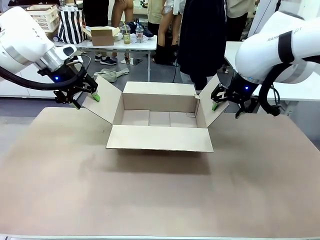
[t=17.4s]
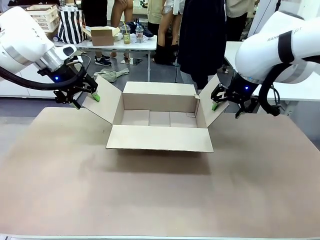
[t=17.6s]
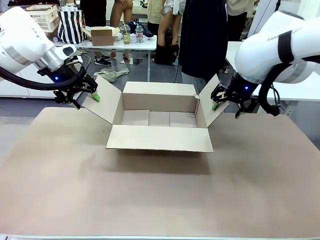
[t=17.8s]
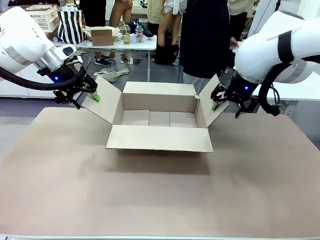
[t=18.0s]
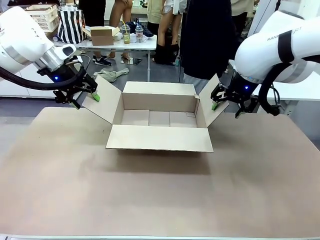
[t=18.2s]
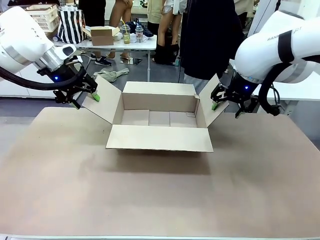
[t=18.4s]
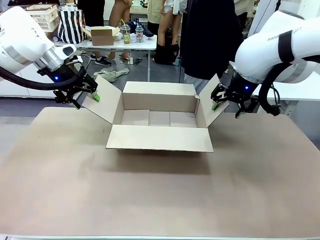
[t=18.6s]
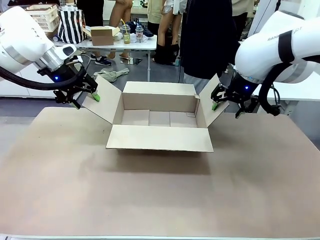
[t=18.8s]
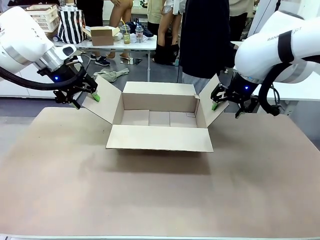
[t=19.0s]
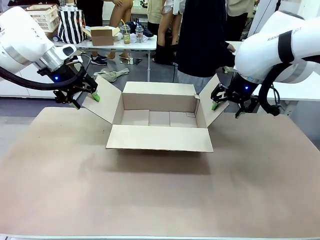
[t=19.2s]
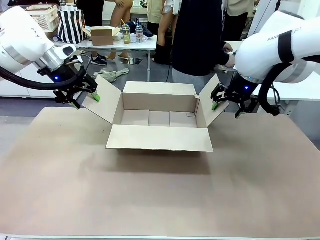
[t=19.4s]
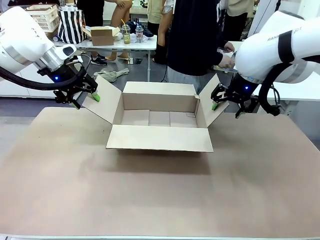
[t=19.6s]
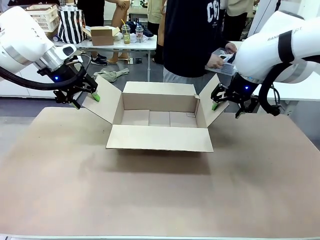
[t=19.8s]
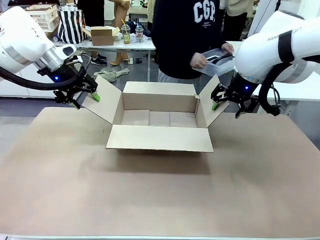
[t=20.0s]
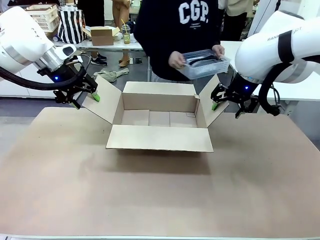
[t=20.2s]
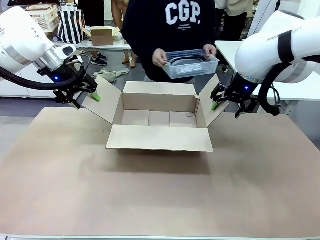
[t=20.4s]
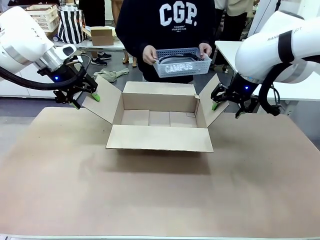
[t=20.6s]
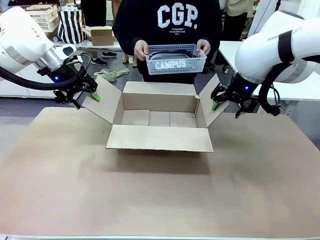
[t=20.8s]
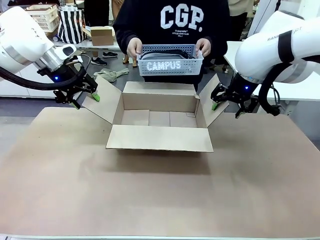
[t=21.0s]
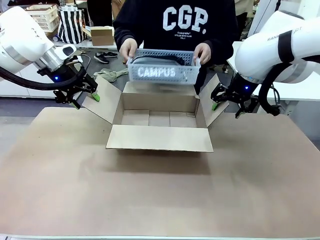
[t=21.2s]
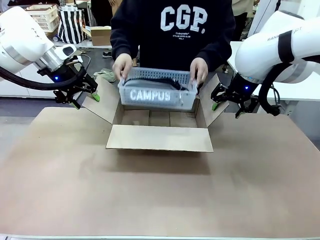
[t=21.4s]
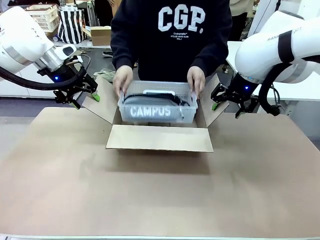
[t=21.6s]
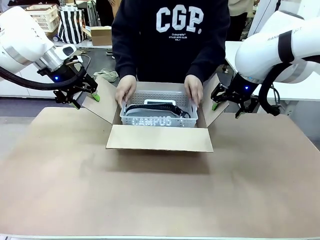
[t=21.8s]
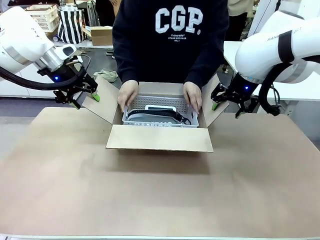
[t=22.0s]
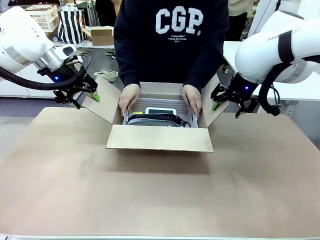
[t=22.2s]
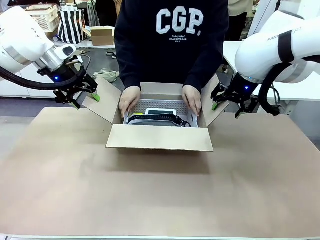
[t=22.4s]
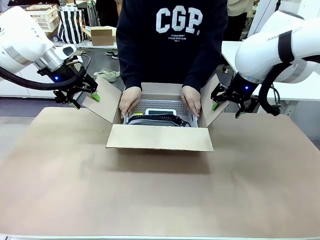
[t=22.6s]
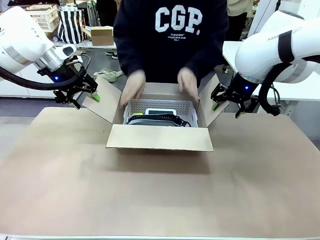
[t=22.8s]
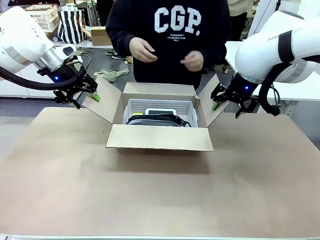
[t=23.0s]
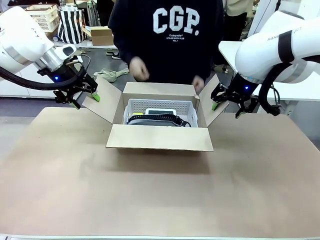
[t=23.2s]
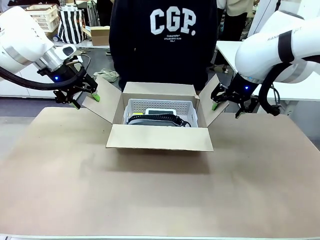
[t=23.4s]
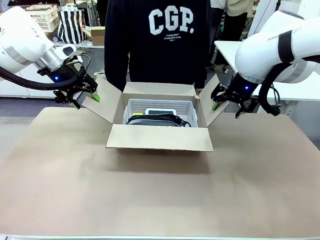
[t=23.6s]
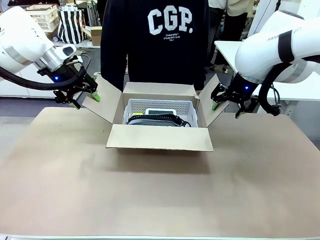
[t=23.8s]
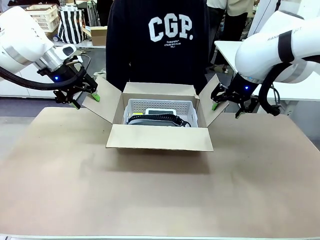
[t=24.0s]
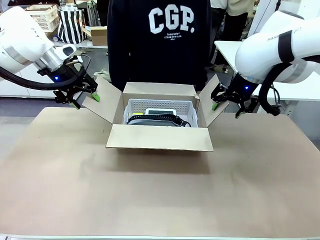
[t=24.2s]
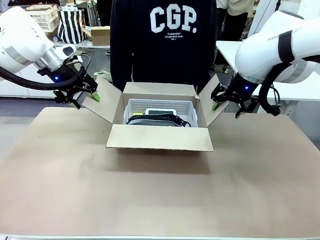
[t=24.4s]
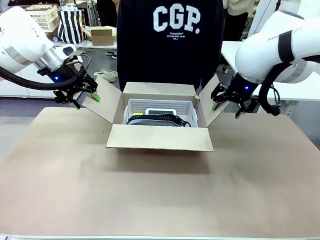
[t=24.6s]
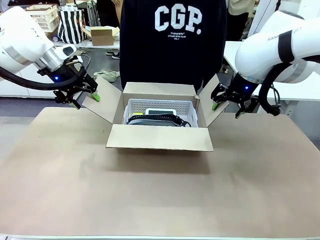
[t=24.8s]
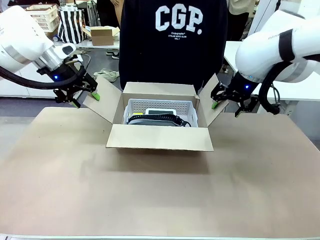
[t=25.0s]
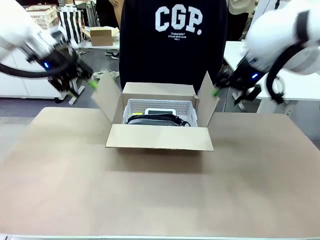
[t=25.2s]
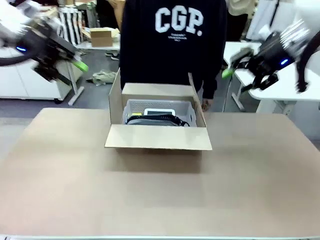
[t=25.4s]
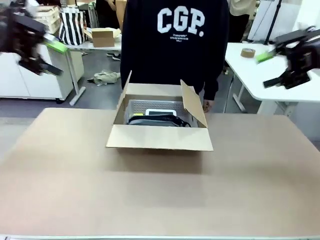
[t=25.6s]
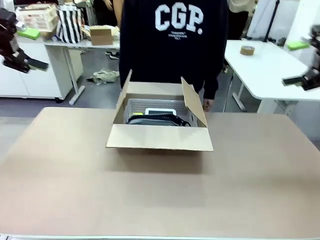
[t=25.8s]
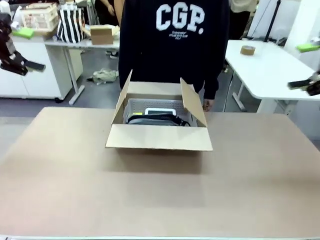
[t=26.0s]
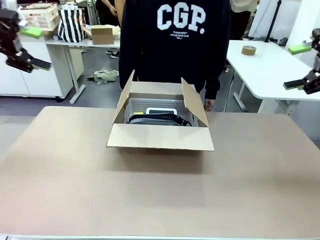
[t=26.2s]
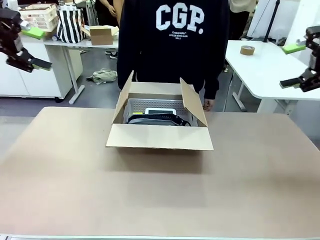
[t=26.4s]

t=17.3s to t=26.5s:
Task: Pack the gift set into the box.
Robot: Lift both hands away from the flaps of the Package Box.
Person: The human picks up the organizing basket and places the organizing basket into the package box on the robot table.

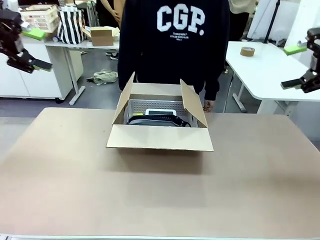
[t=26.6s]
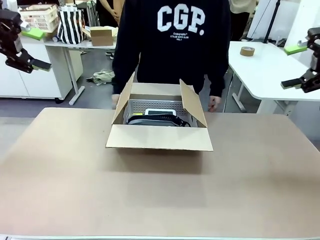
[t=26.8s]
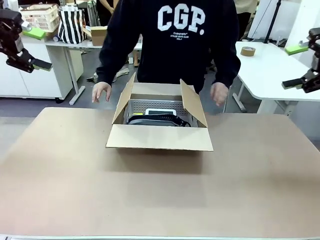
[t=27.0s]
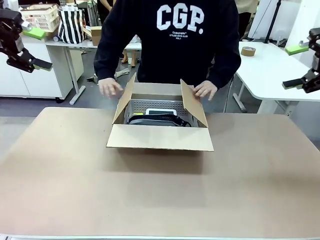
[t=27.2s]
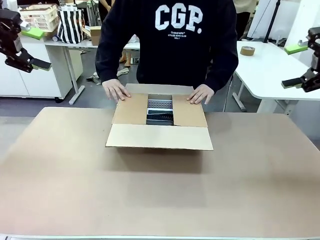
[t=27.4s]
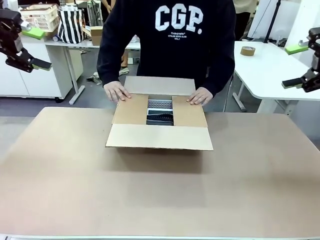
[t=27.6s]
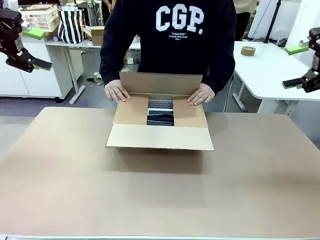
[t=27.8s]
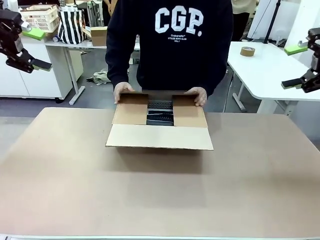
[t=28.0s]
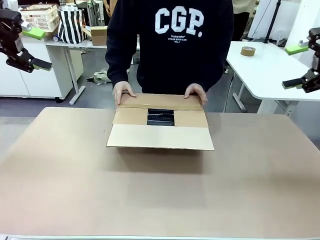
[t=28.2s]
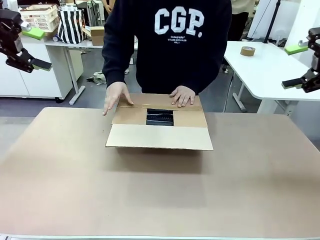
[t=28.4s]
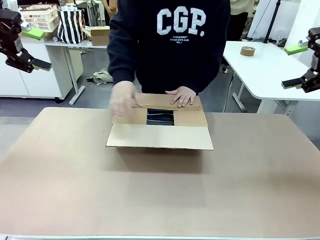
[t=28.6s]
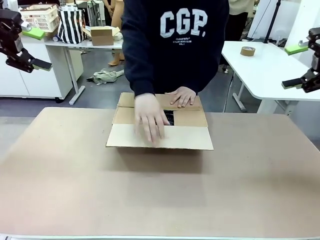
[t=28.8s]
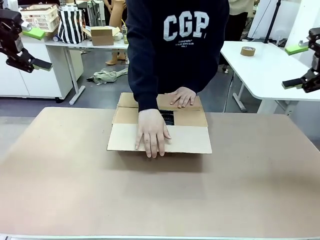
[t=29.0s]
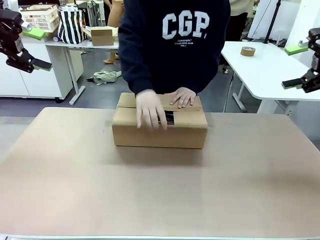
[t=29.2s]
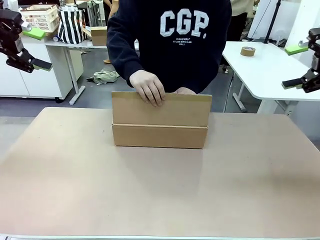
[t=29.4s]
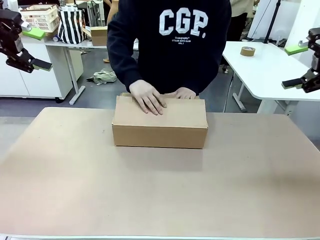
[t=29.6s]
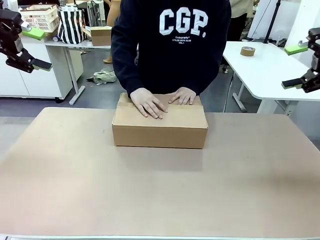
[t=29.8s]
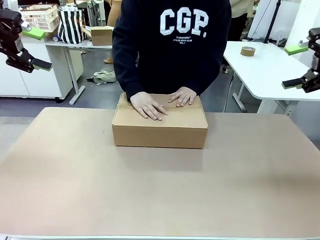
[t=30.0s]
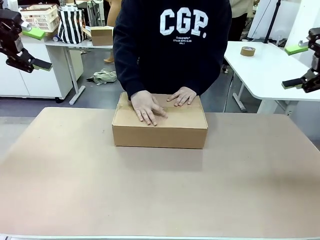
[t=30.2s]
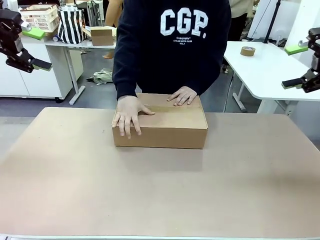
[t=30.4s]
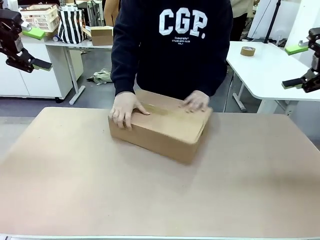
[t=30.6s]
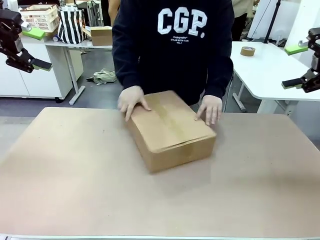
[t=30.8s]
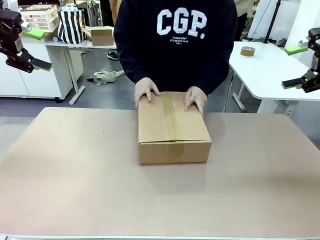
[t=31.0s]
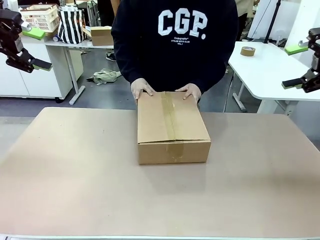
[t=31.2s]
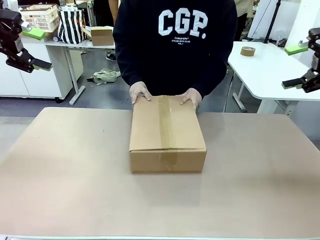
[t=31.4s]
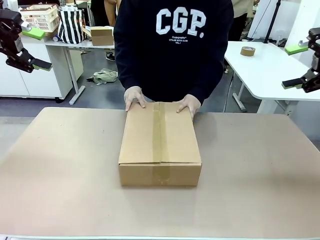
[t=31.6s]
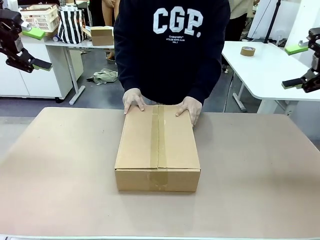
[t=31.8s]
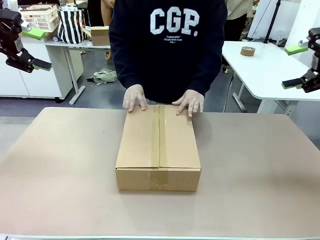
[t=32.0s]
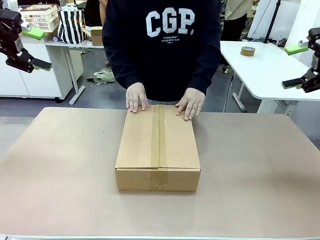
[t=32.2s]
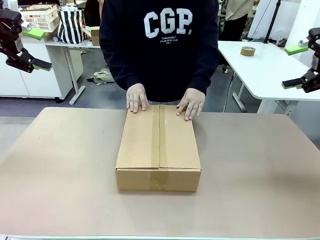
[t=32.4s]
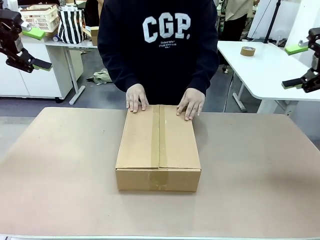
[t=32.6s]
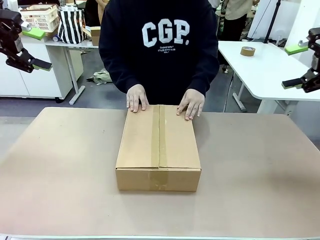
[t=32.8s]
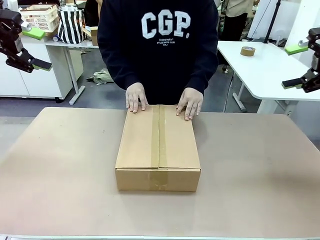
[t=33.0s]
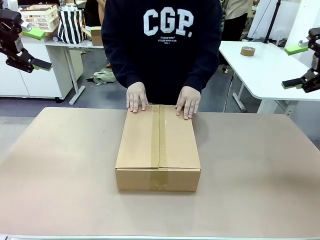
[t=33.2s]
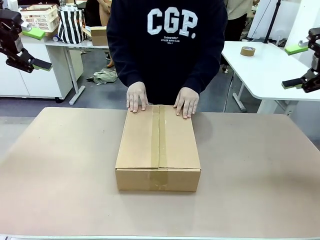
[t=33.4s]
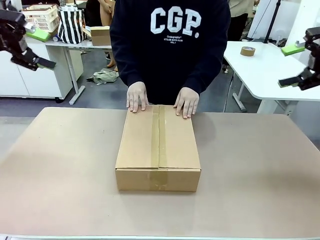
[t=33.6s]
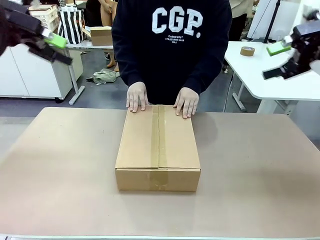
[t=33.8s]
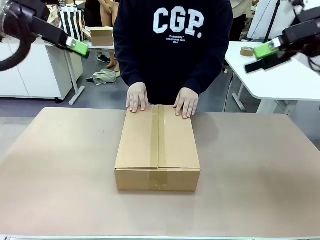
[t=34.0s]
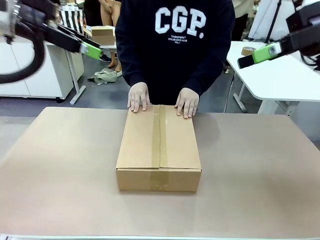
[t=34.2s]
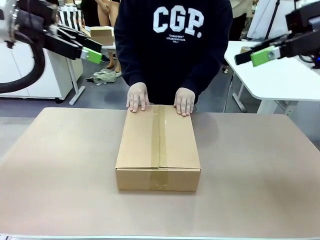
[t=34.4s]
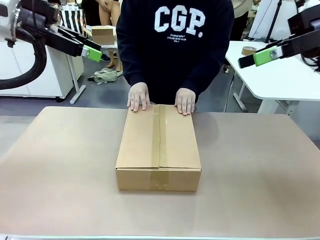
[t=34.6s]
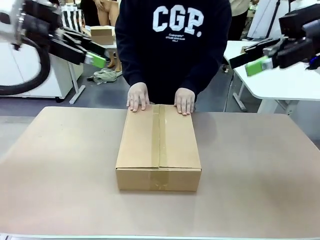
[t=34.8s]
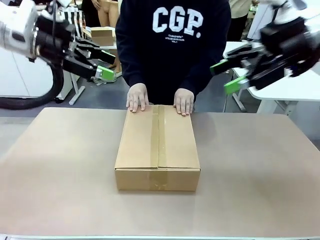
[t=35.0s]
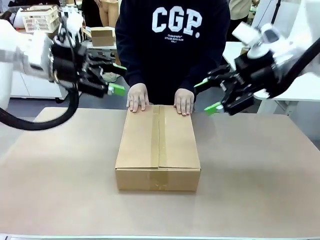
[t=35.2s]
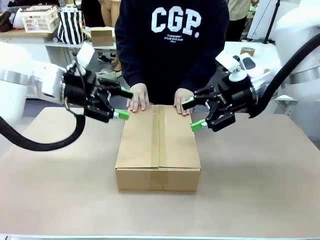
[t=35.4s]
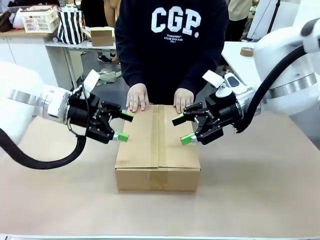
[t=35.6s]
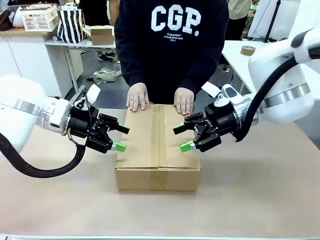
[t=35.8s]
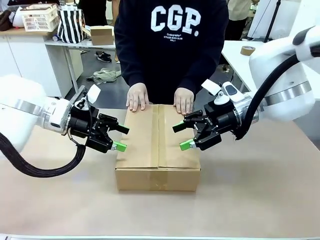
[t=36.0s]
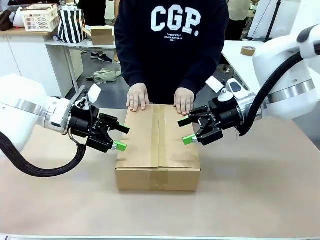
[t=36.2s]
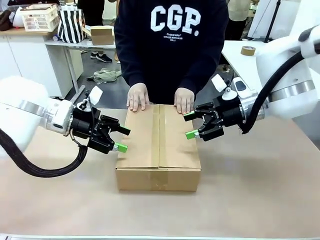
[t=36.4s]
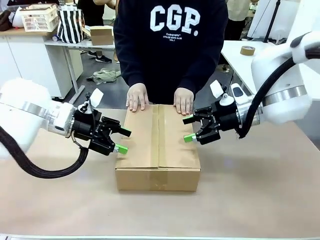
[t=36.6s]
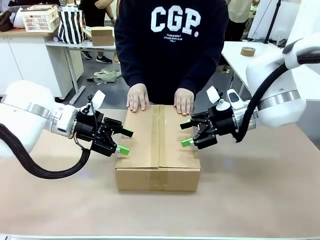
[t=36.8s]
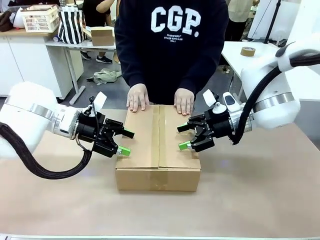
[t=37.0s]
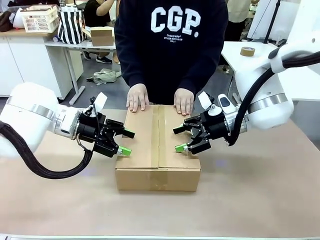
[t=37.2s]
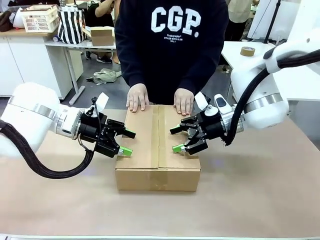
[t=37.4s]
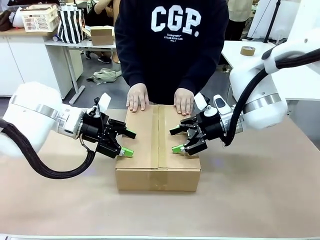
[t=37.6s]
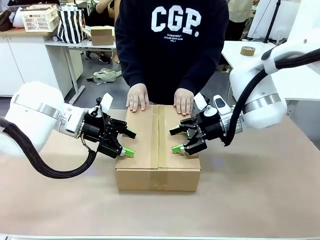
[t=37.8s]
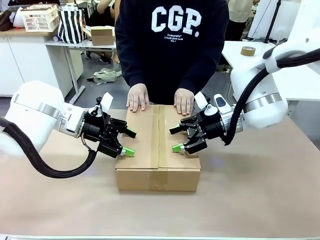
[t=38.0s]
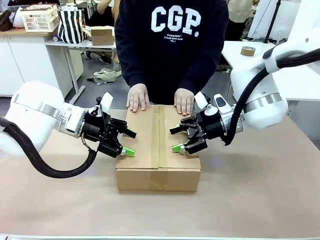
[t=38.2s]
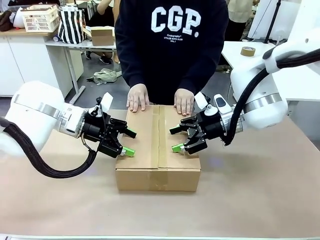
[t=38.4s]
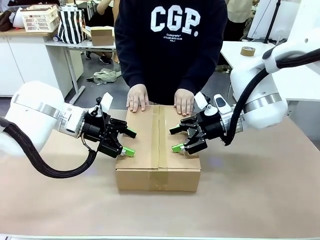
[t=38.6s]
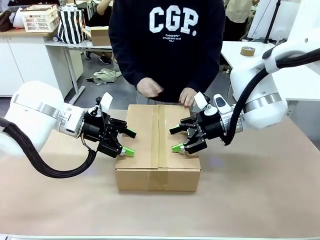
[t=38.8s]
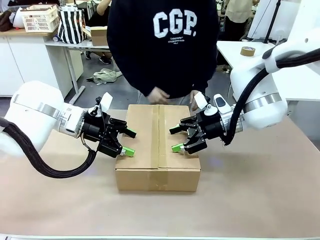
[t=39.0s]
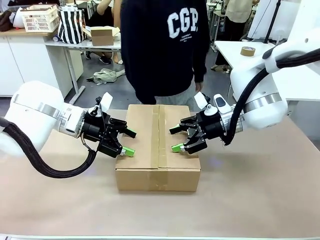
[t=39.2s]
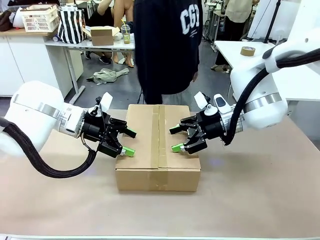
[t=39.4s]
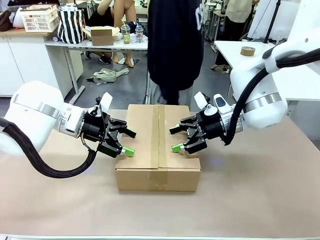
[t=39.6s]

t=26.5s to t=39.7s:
Robot: Press and hold the closed box until the human finishes sealing it.
Person: The human closes the box and rotates the box by 90 degrees.
